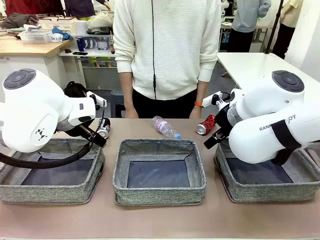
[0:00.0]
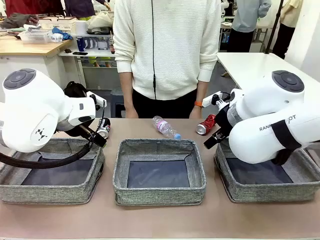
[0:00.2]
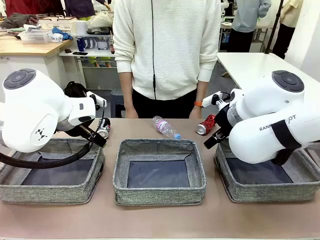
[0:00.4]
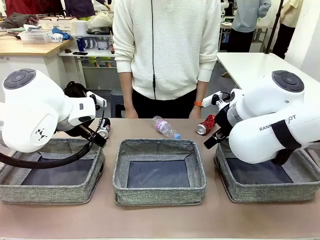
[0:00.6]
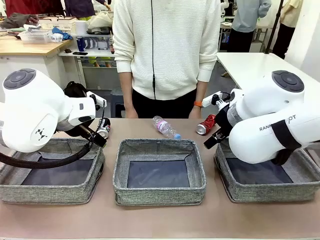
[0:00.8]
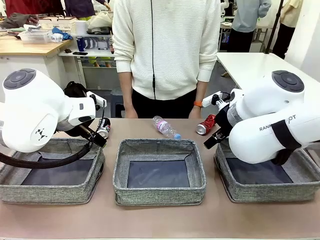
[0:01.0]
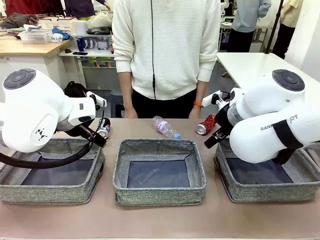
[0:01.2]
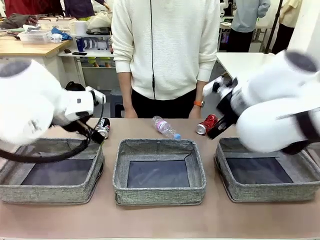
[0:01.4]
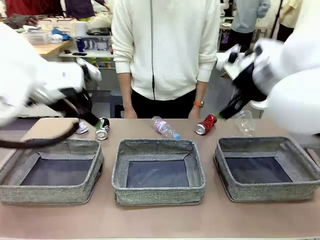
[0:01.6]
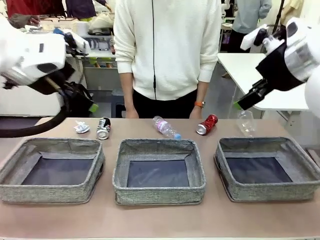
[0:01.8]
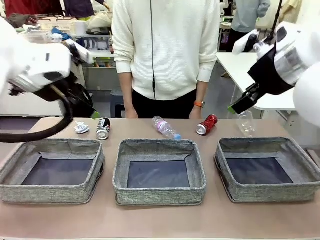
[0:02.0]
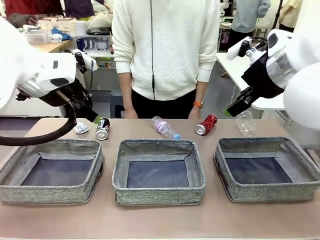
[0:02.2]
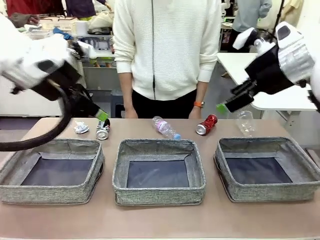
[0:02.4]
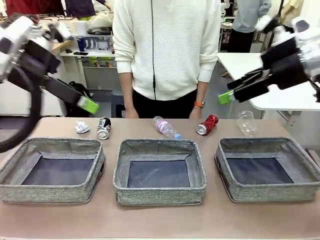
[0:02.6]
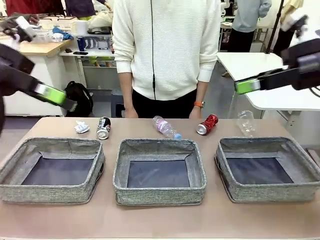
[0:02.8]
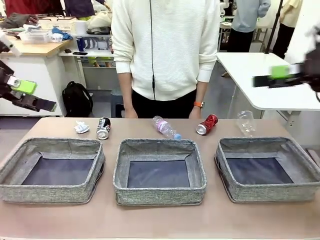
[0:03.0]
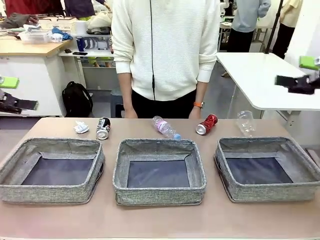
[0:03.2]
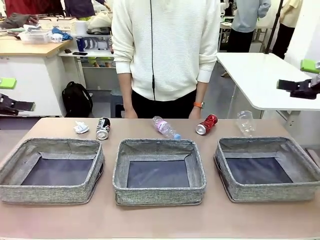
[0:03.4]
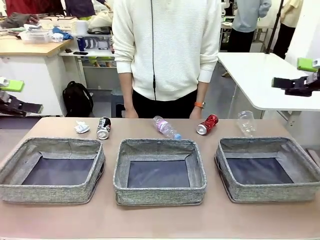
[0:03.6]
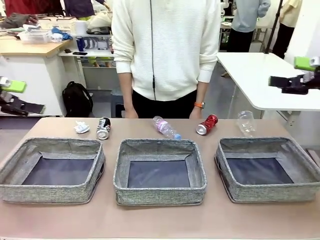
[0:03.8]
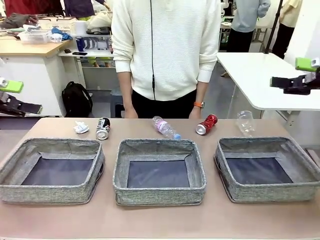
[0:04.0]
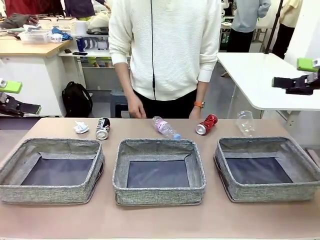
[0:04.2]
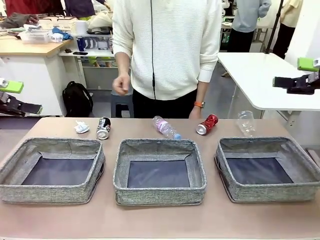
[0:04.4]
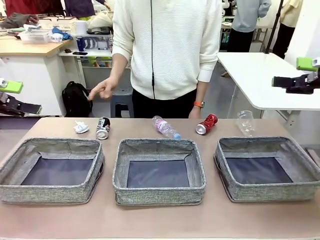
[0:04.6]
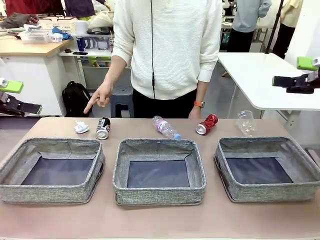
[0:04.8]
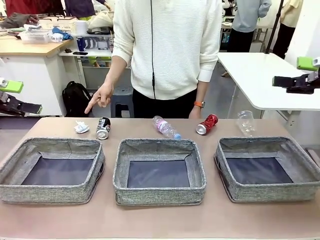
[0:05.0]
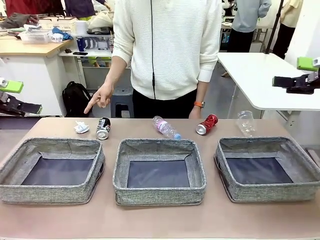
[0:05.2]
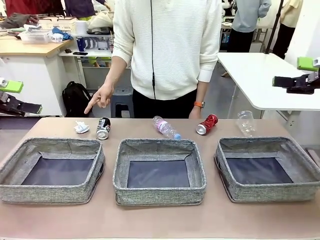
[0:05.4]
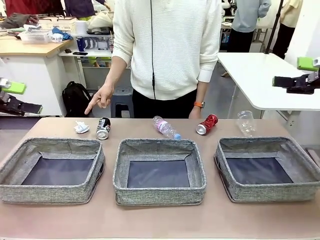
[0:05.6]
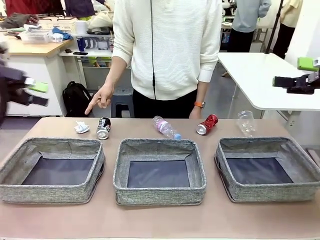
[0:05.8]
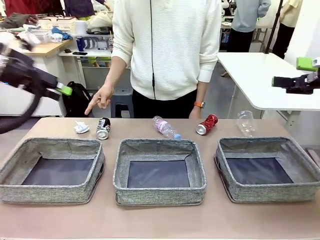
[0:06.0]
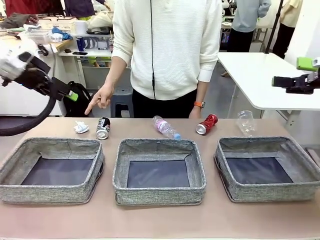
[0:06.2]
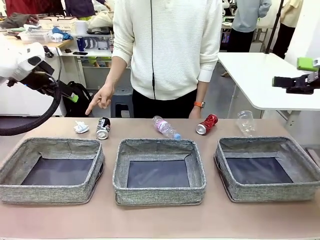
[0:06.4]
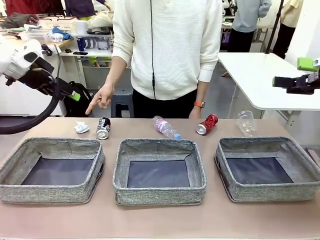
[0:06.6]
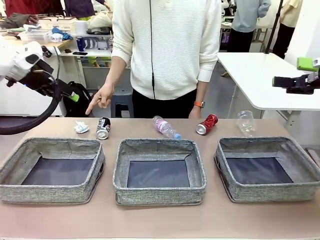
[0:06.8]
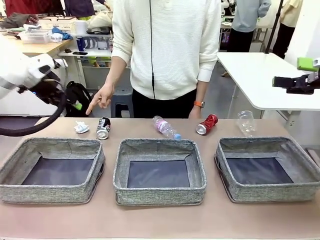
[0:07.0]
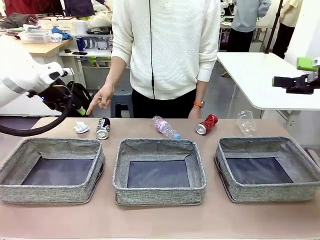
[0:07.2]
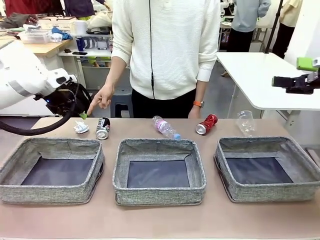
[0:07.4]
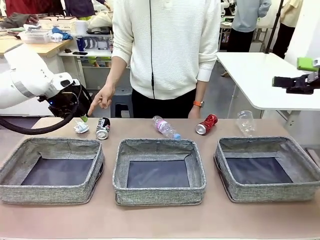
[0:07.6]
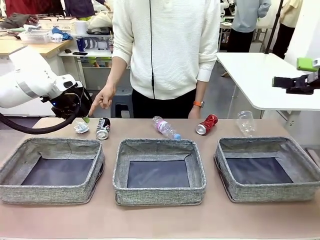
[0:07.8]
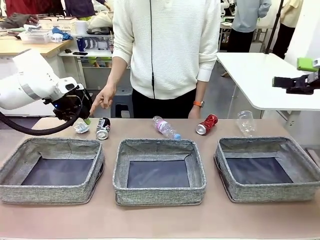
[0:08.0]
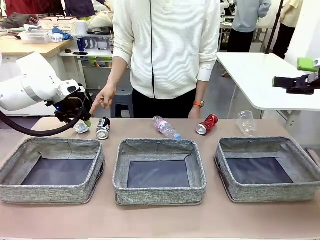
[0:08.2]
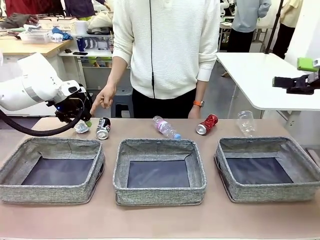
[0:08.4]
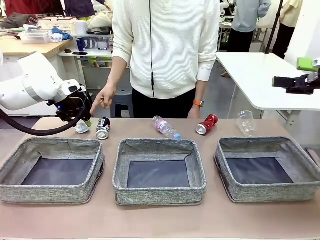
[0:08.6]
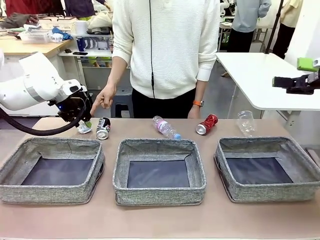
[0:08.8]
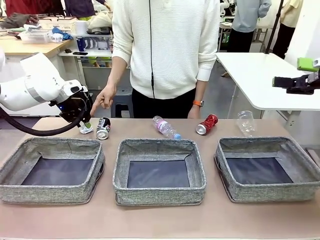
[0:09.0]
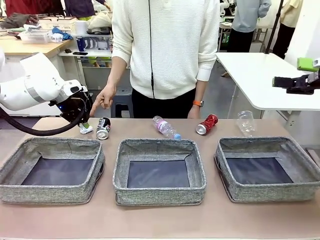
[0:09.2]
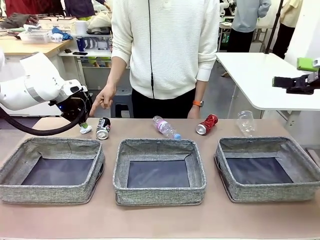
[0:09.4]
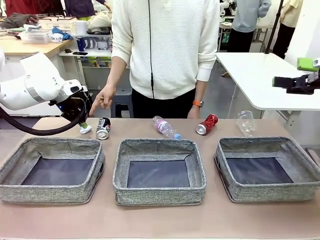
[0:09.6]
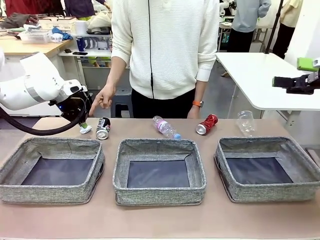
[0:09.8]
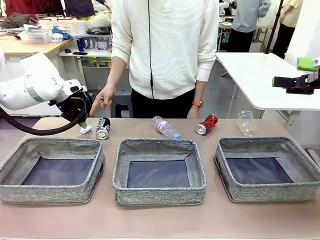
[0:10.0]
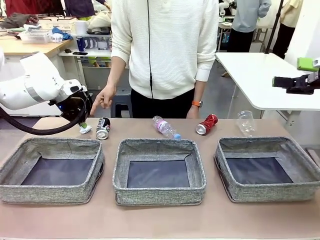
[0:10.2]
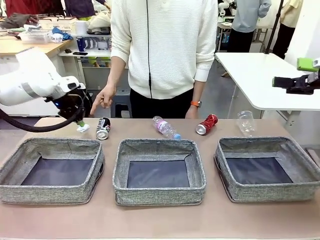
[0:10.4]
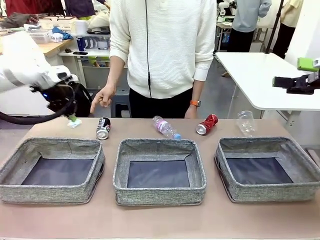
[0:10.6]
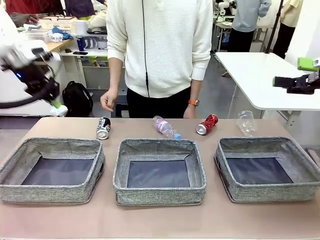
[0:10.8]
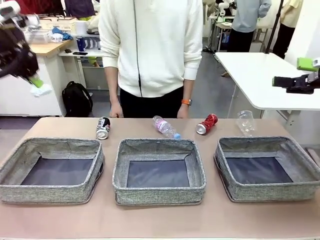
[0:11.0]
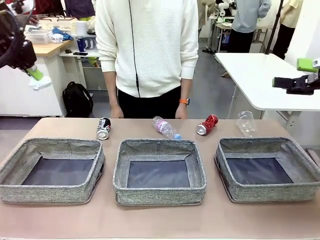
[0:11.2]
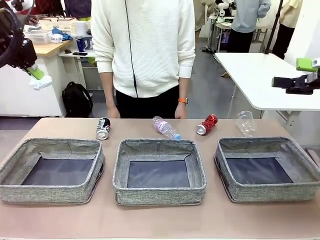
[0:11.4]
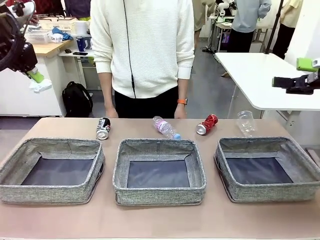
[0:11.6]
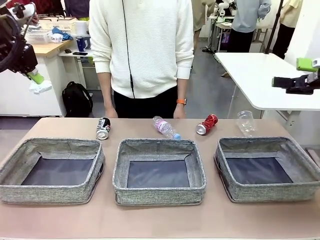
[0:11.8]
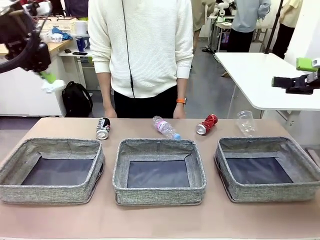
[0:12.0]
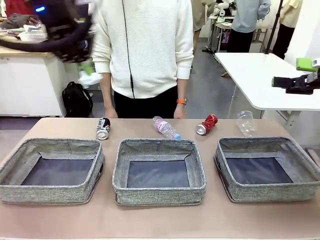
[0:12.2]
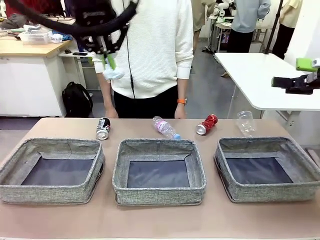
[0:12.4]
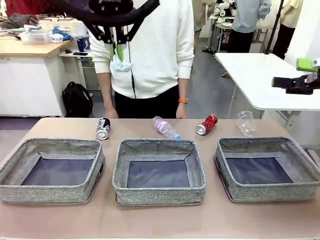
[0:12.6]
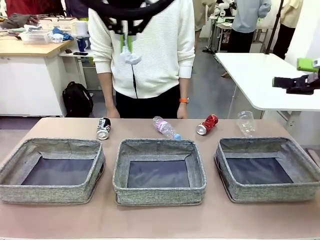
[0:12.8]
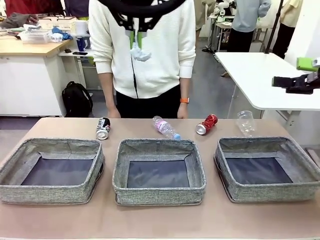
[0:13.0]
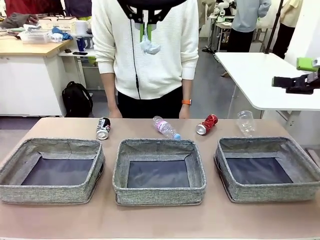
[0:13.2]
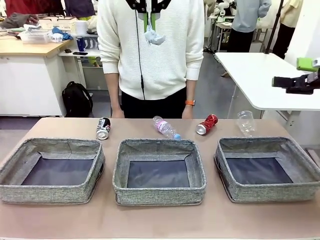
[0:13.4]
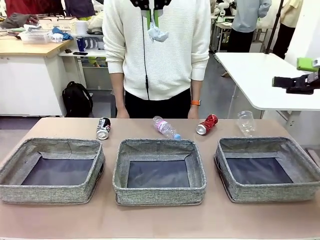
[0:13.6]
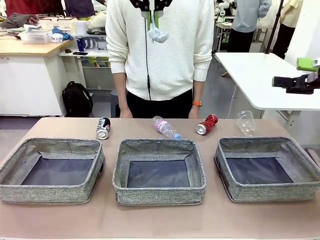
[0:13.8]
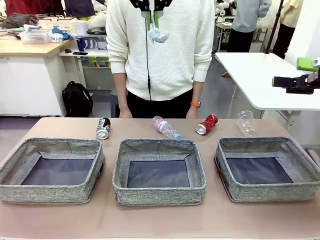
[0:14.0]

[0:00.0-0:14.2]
Task: Sort the waste into the appropriate baskets.
Robot: Pick up the waste item pointed out by the person.
Person: Points to one piece of trash on the table.

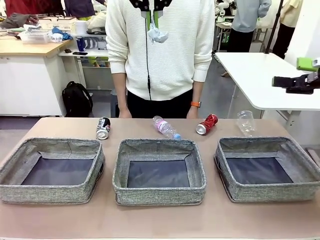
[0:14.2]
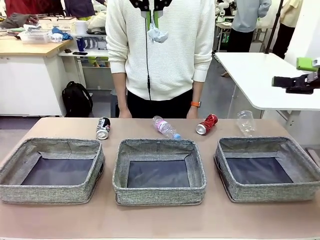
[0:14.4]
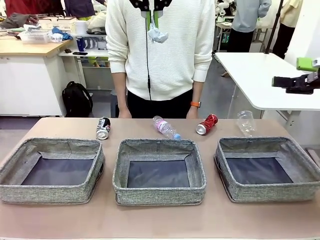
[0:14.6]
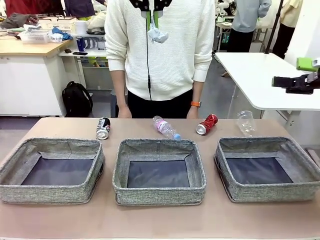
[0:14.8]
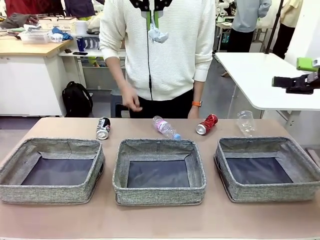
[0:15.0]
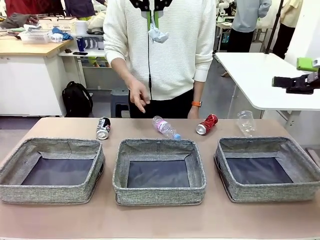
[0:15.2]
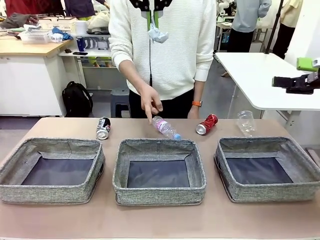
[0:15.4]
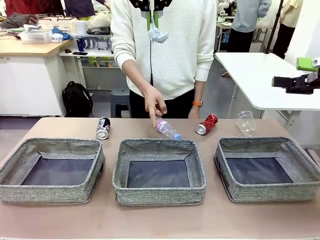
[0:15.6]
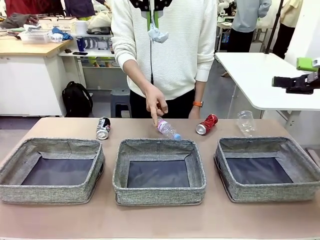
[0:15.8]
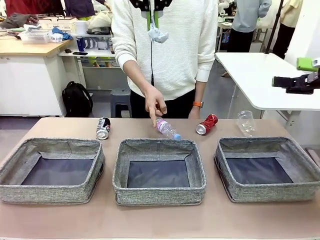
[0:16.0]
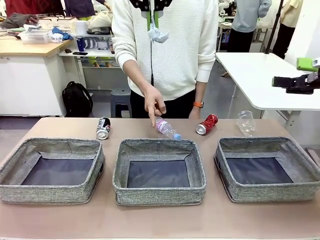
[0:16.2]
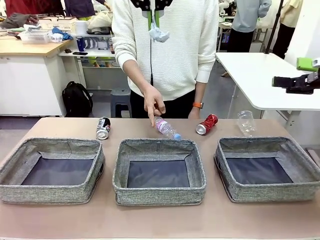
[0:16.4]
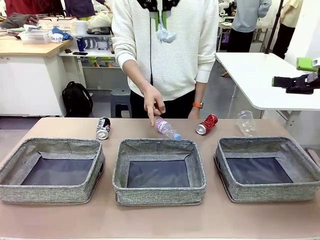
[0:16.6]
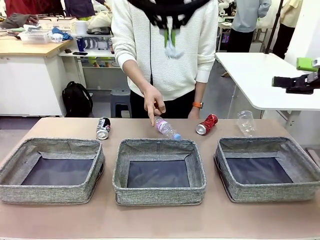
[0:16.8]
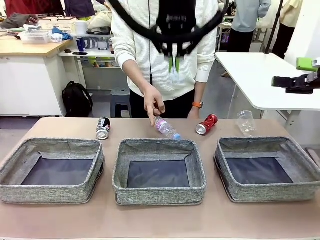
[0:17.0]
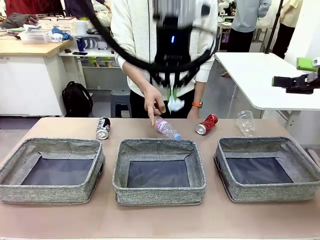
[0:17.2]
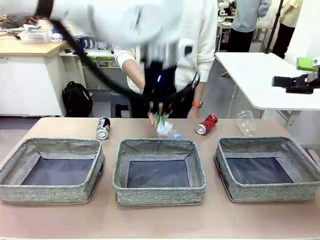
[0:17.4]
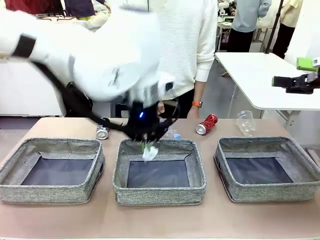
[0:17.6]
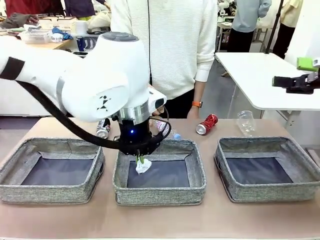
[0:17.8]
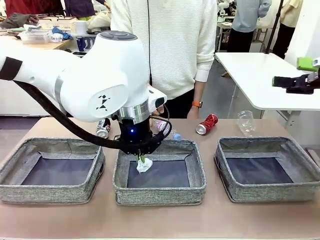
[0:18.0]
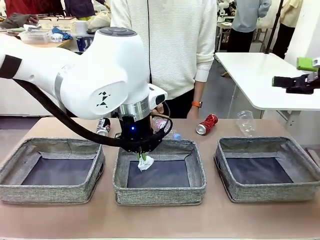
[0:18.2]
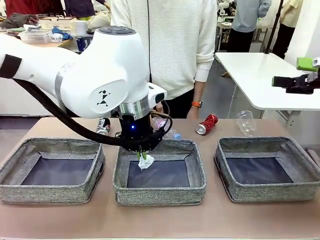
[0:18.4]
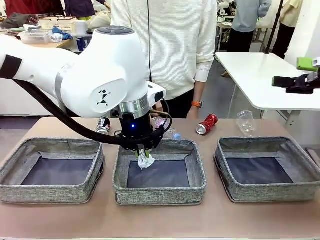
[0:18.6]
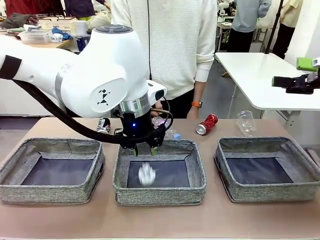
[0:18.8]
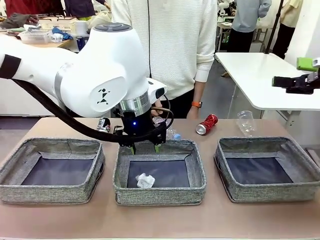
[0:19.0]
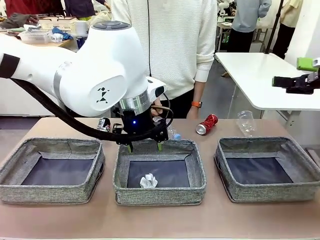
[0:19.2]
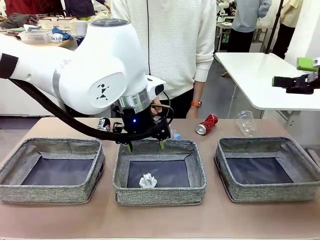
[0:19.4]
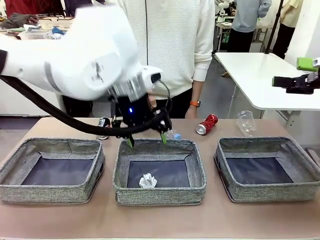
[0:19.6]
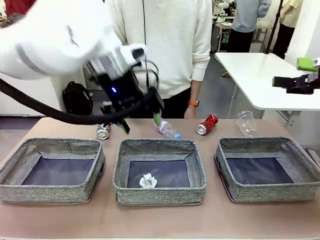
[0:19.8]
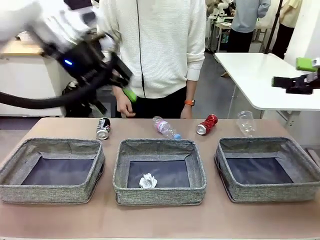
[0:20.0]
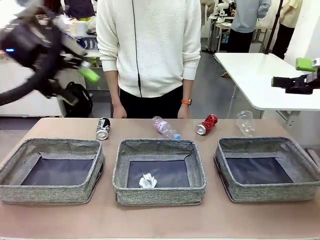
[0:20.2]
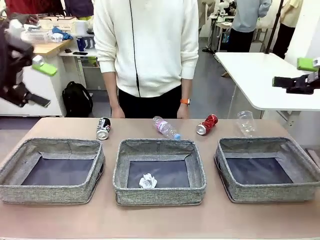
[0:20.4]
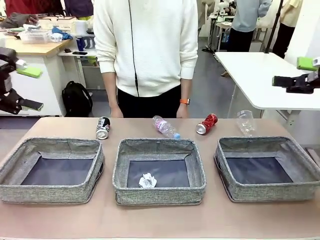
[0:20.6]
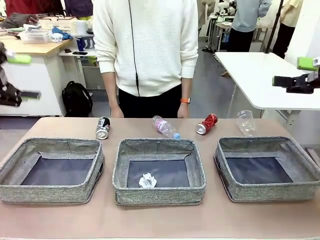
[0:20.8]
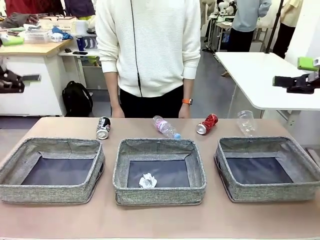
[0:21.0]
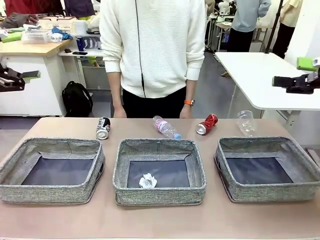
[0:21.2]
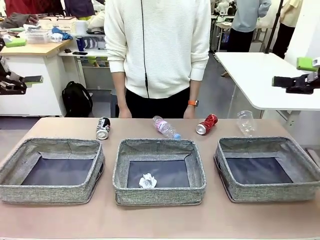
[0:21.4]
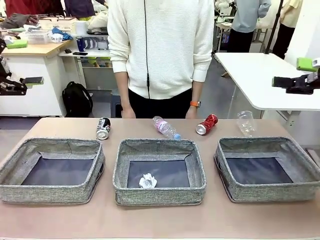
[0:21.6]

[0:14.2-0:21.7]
Robot: Place the picked waste into the Fabric basket indicated by the person.
Person: Instructs the robot to place the picked-up trash into the appropriate organizing basket.
